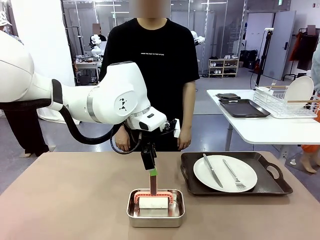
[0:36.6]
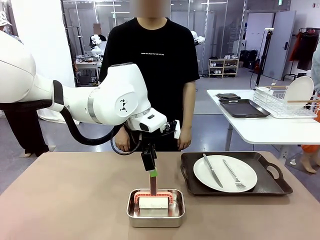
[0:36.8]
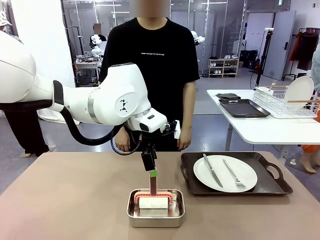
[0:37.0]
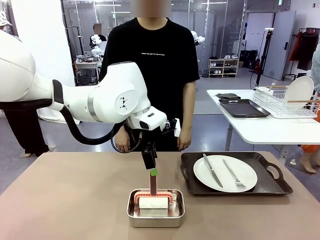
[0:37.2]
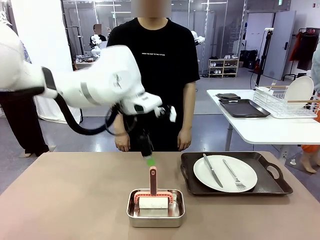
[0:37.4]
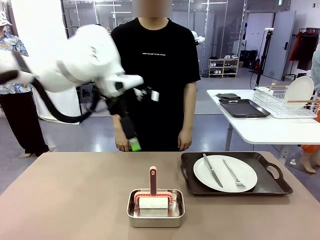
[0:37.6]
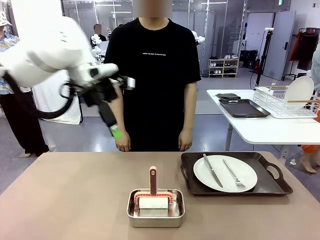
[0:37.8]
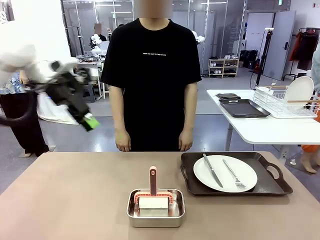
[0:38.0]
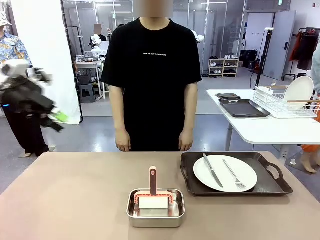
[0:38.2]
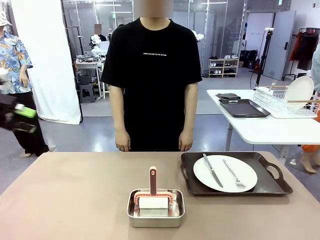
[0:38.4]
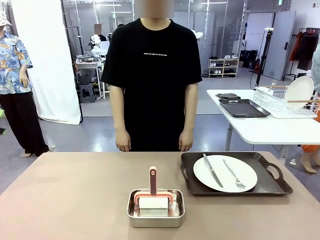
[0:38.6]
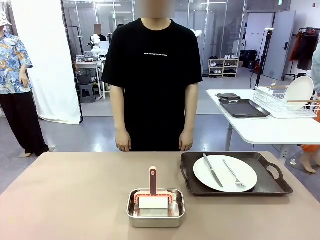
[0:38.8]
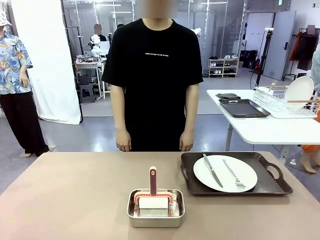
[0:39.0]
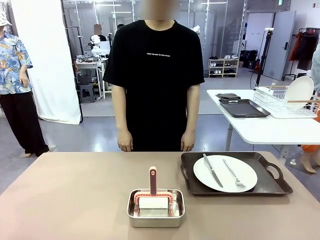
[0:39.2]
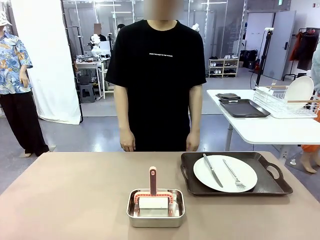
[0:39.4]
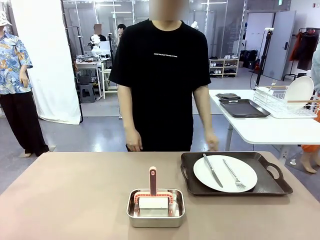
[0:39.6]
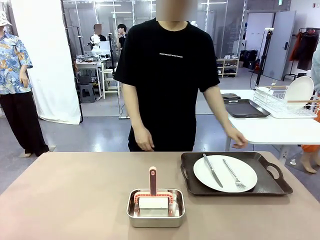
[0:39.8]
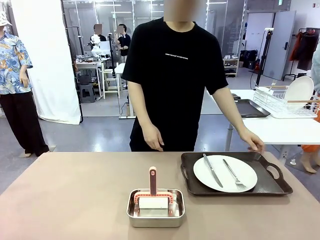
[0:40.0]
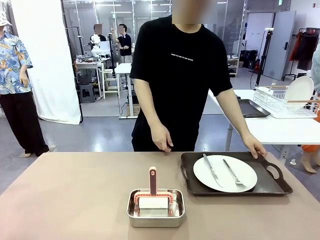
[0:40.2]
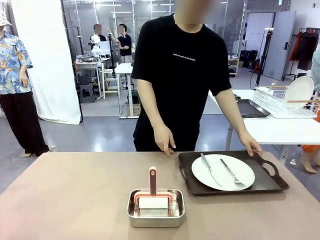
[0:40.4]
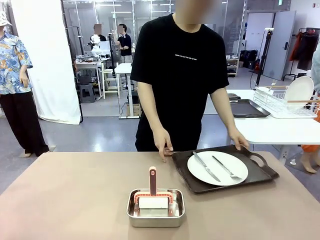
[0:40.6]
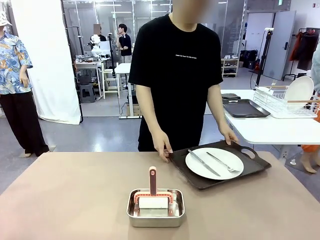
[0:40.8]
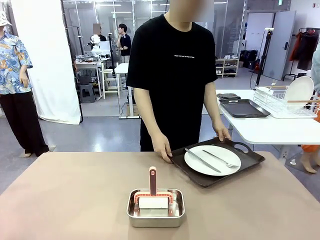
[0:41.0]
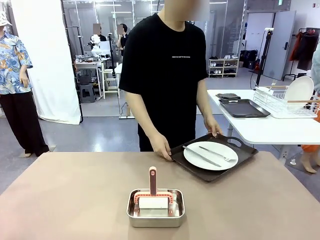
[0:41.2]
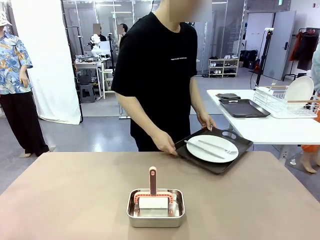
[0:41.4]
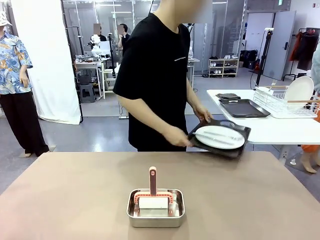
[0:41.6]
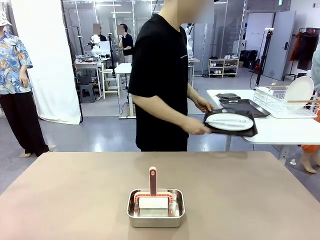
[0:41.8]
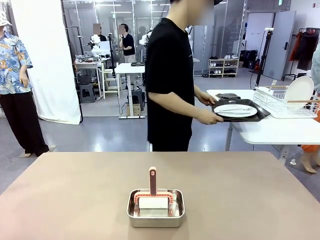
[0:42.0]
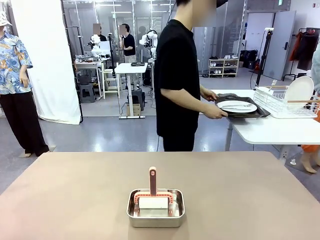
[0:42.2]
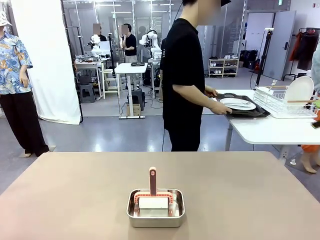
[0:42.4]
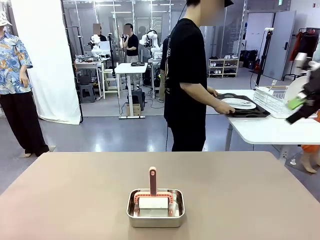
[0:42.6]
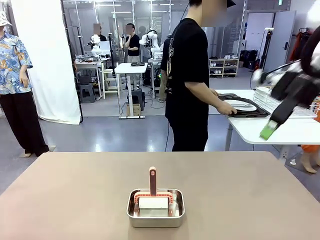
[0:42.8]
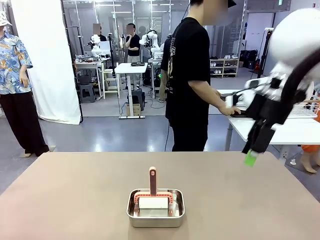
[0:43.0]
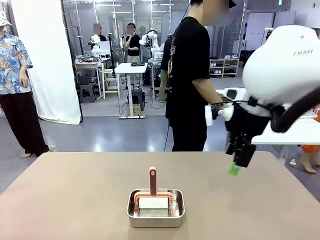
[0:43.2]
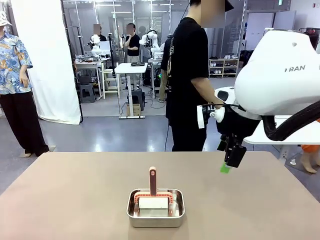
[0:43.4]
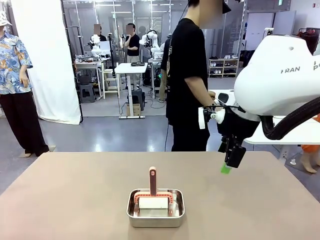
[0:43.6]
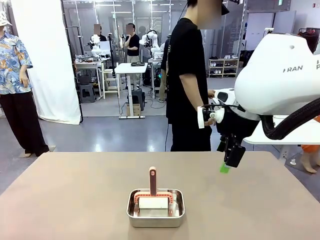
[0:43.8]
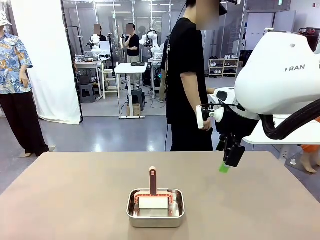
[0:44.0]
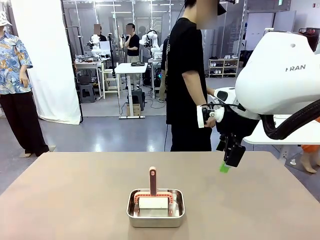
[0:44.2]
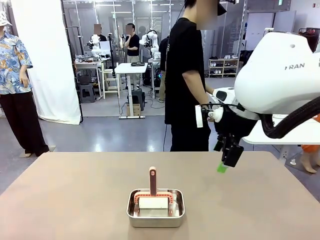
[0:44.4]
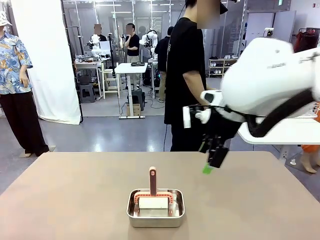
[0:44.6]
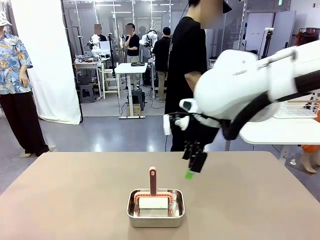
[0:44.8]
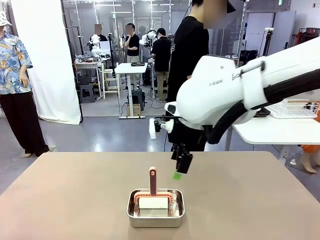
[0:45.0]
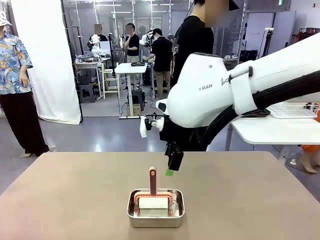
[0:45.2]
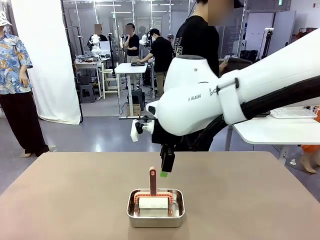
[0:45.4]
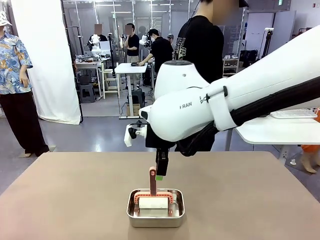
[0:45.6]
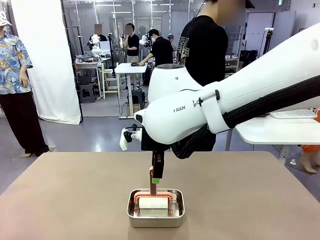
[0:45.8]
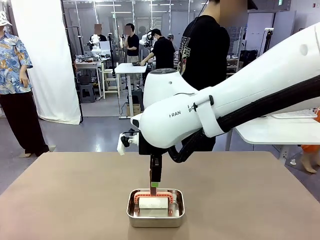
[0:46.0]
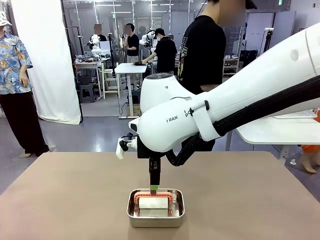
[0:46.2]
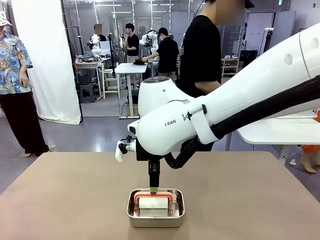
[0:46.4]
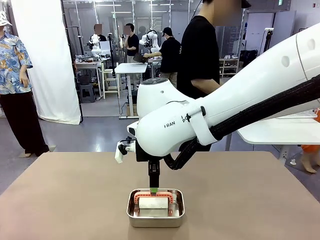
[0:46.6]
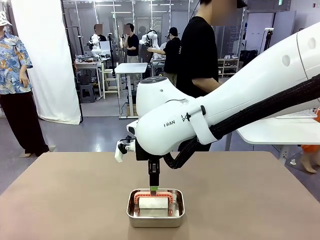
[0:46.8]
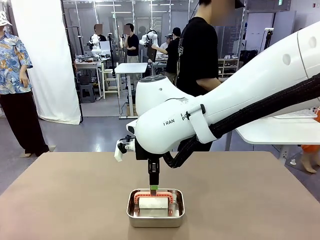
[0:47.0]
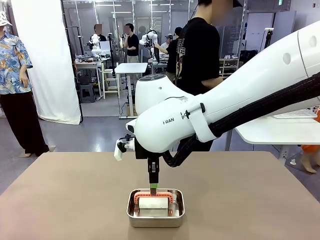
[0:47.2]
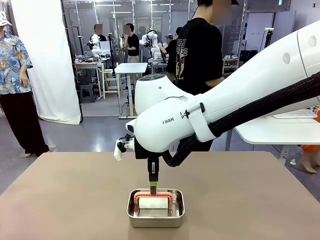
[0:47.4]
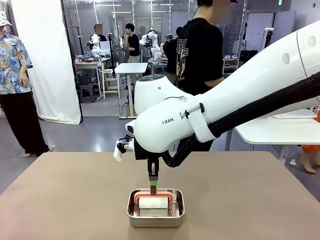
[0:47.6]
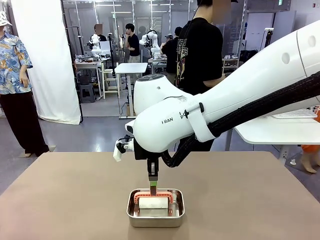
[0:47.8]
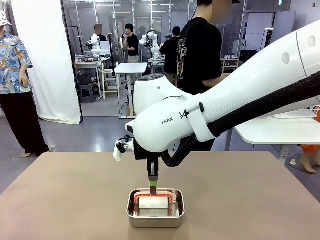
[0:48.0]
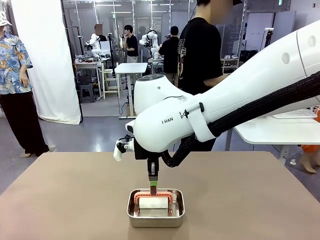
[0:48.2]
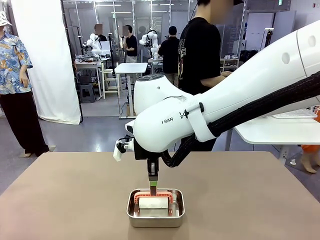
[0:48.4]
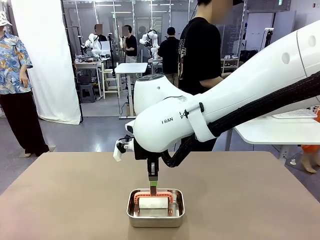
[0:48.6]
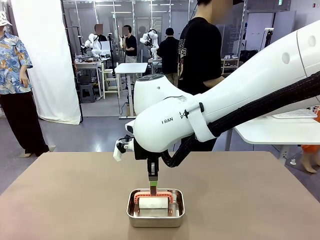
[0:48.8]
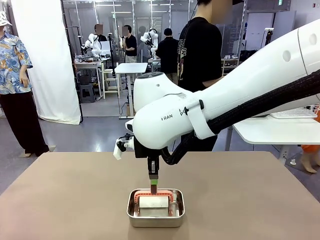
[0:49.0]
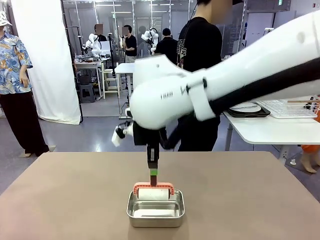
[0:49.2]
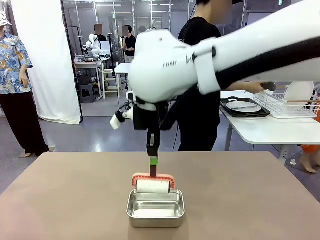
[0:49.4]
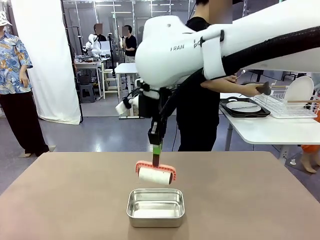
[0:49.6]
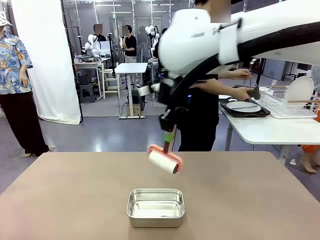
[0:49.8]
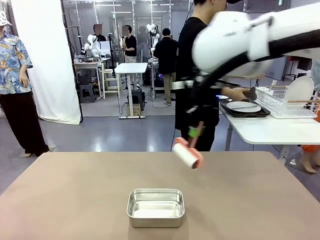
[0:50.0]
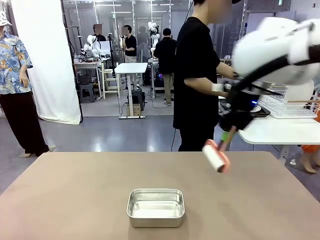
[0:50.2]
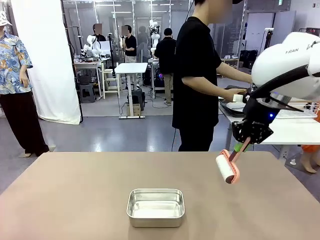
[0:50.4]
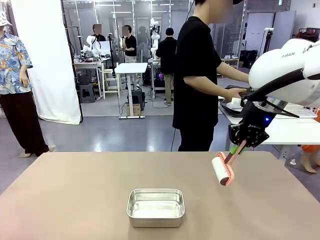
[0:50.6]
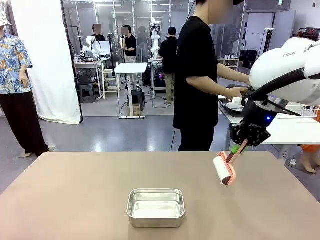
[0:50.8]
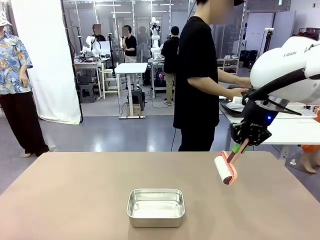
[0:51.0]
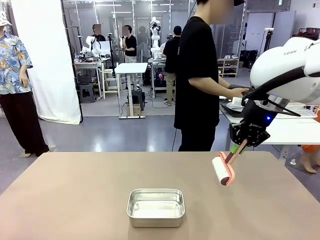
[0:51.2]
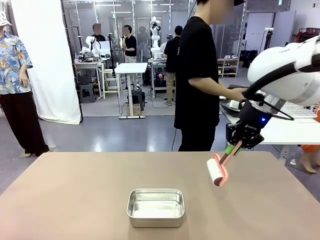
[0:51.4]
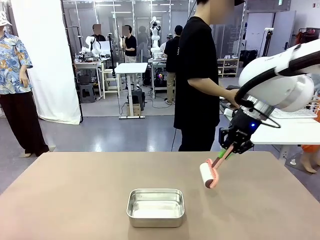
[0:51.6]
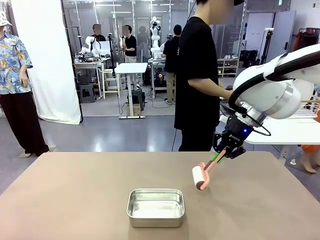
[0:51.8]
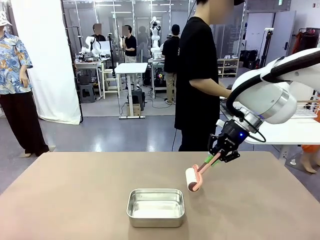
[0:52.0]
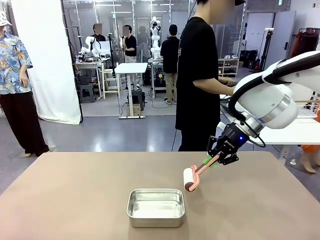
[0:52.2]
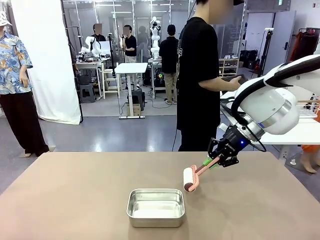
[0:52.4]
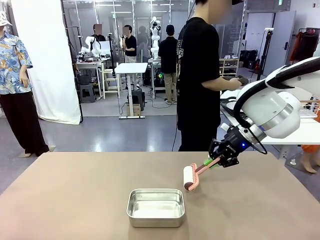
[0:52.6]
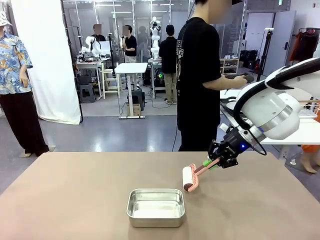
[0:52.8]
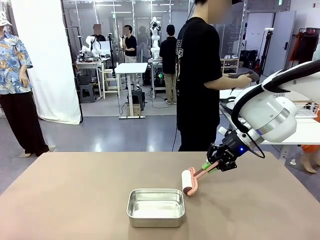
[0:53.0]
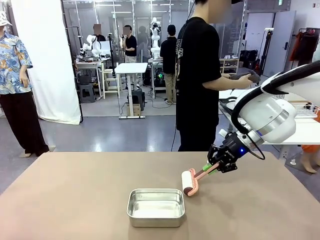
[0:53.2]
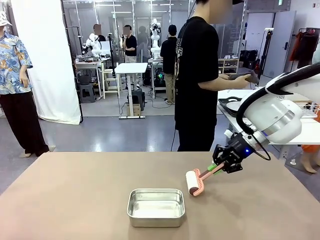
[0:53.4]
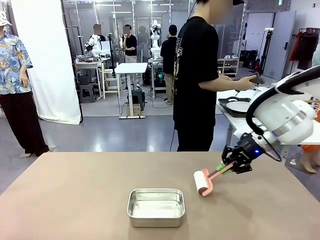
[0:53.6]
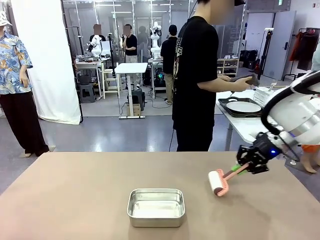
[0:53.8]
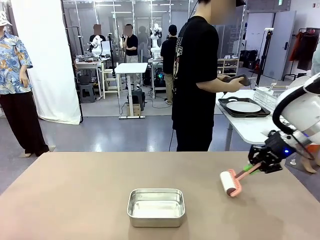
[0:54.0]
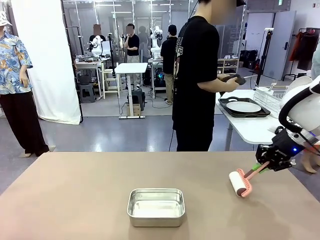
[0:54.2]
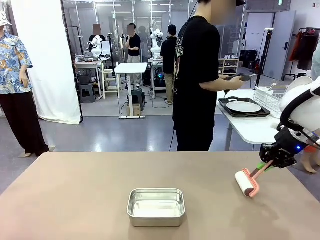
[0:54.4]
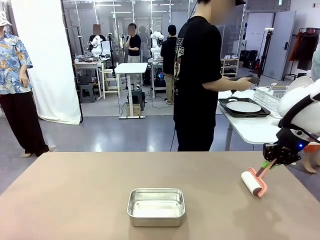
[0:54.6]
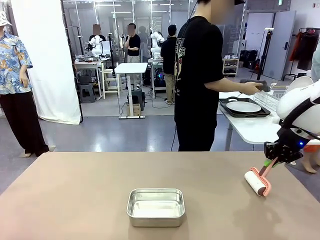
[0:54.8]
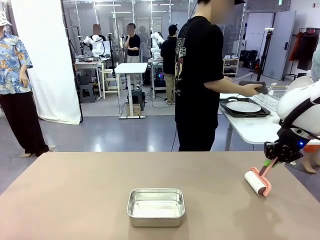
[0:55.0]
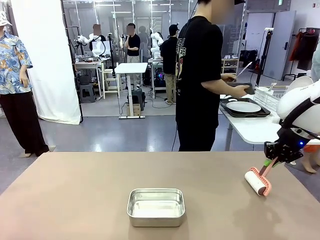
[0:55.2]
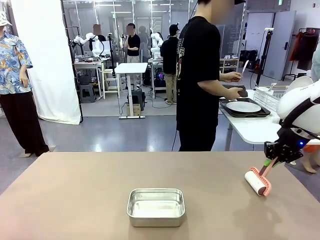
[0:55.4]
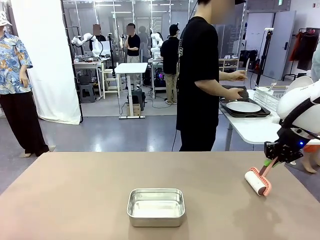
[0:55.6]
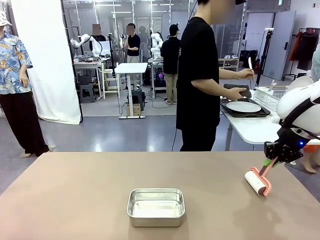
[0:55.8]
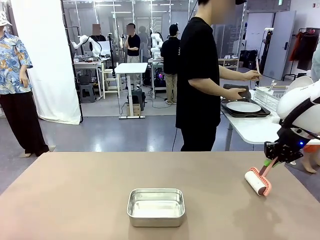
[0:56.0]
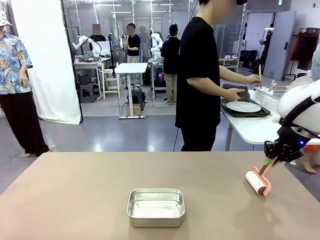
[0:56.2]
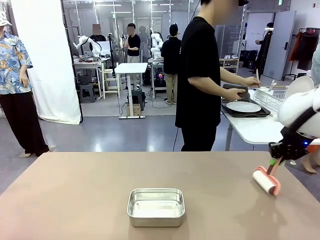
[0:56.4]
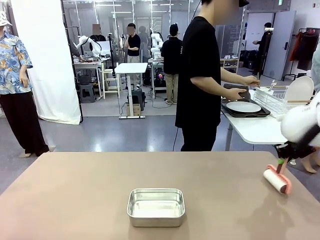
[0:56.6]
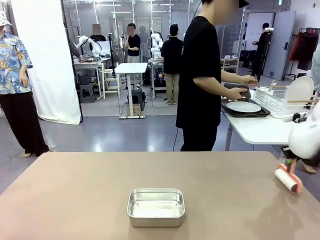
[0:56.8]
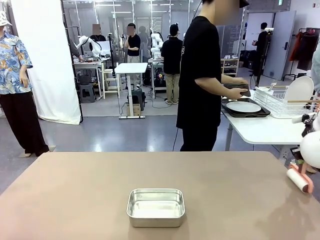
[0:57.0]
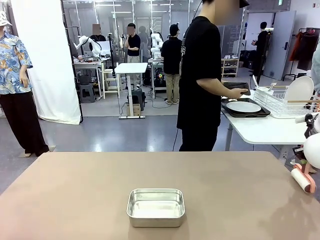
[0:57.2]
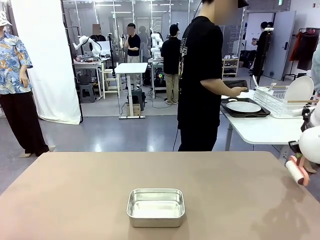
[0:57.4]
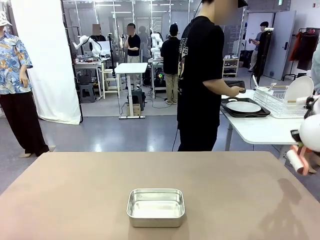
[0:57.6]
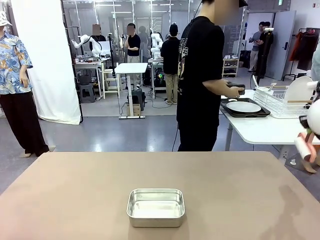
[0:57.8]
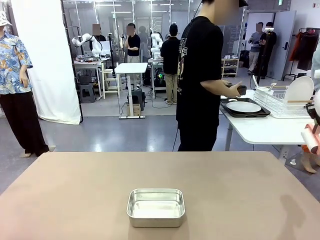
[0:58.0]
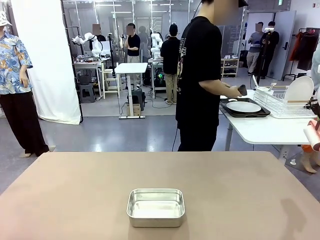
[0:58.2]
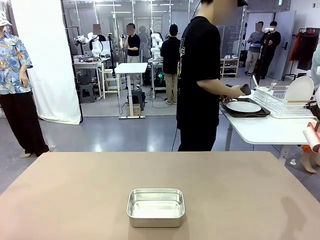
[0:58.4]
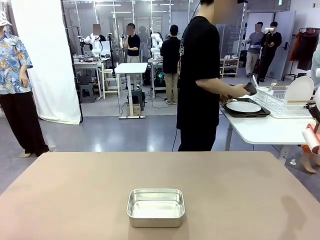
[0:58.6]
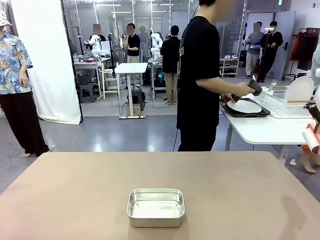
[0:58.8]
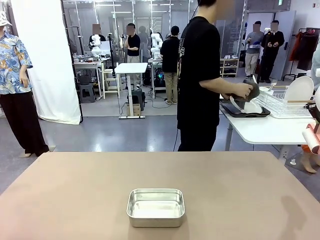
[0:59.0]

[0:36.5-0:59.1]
Robot: When the right (or left) Handle tray is removed, use the right hand (or left hand) to clean the right (or left) side of the table with the Lint Roller.
Person: Pick up the left (or right) Handle tray and place it on the Handle tray. Use the Towel with hook to wipe the Plastic Matte Plate , Fork , and Knife and place into the Dish drying rack.
